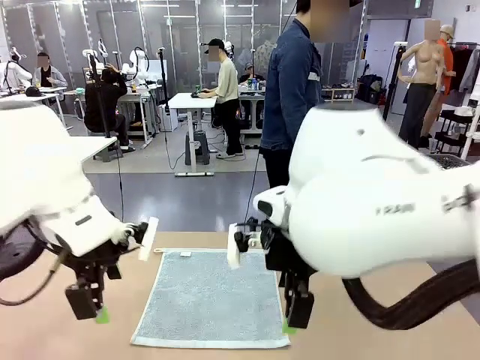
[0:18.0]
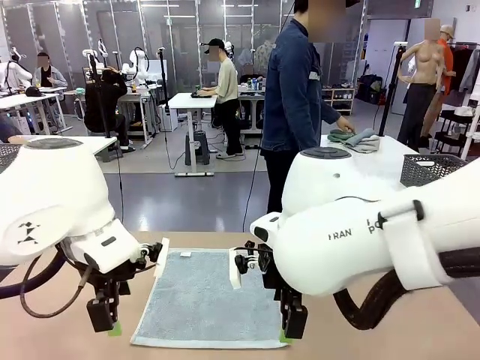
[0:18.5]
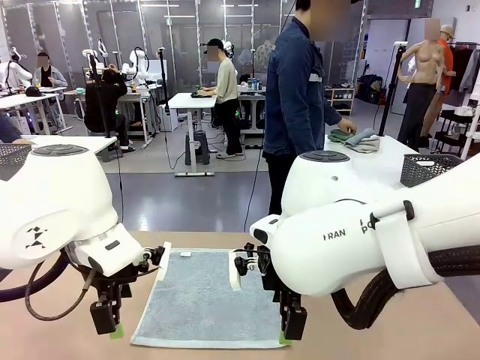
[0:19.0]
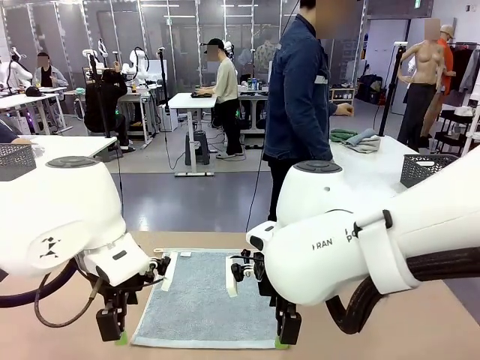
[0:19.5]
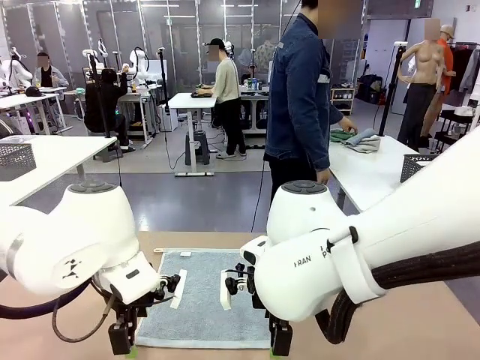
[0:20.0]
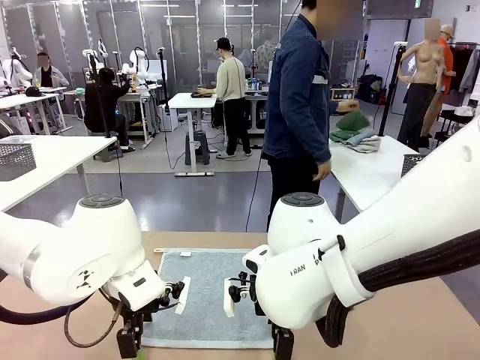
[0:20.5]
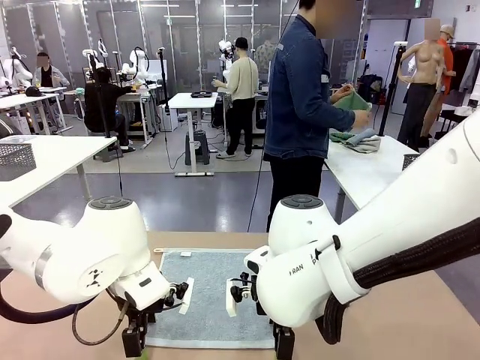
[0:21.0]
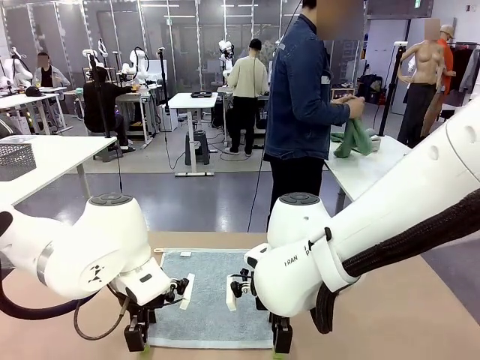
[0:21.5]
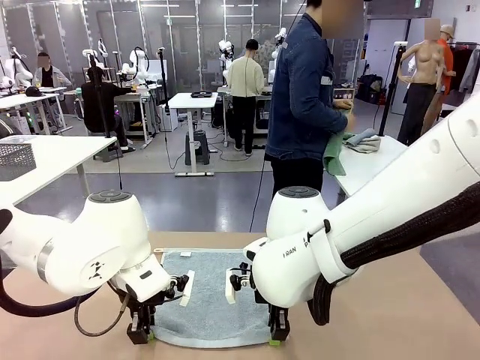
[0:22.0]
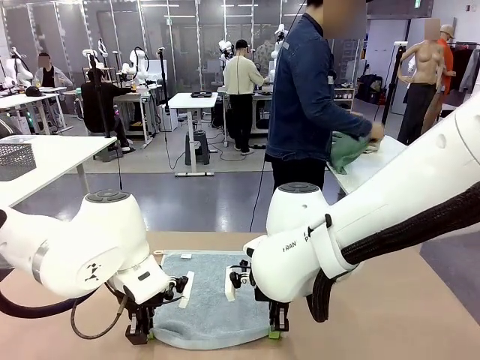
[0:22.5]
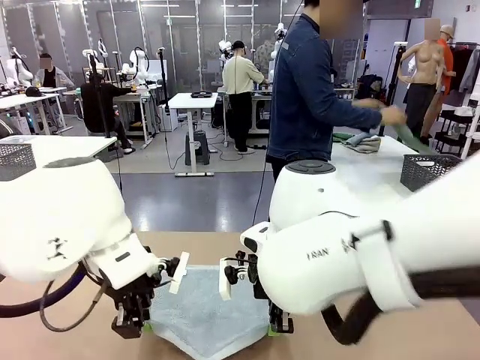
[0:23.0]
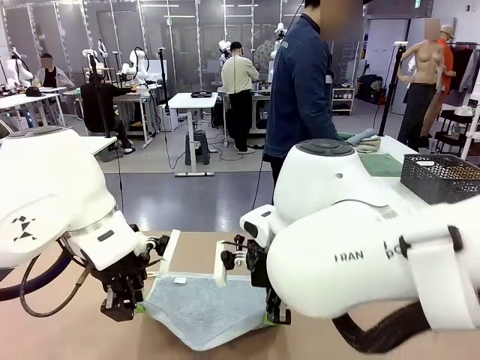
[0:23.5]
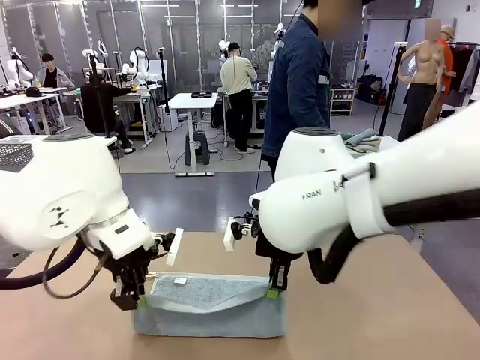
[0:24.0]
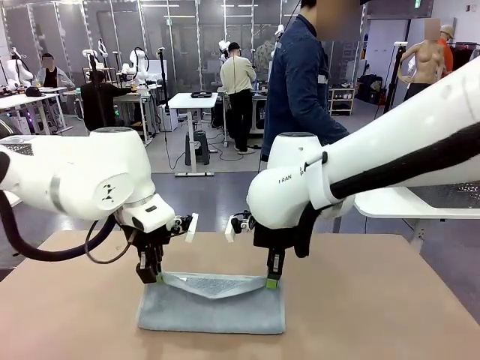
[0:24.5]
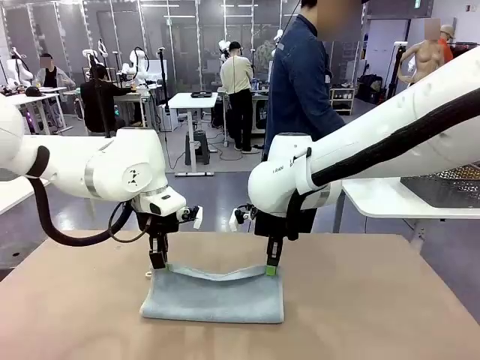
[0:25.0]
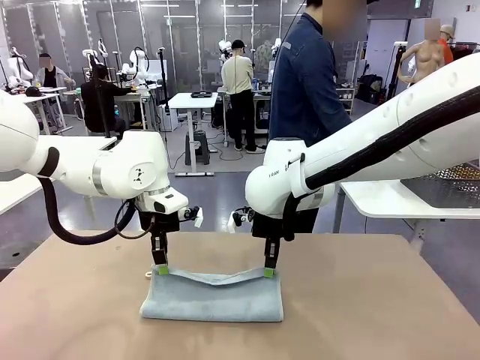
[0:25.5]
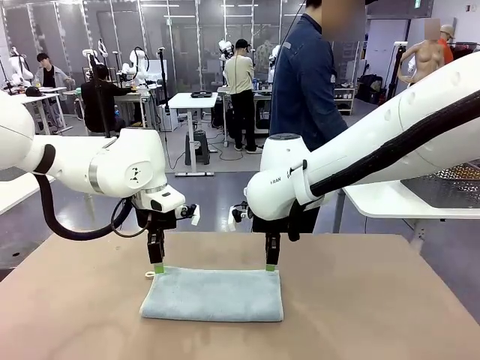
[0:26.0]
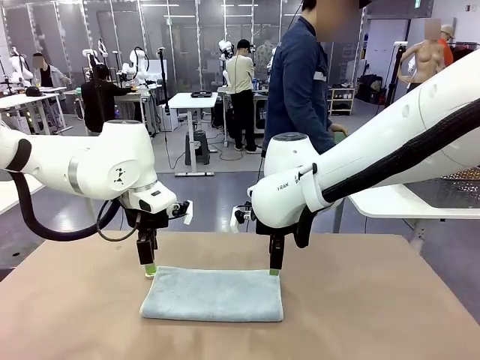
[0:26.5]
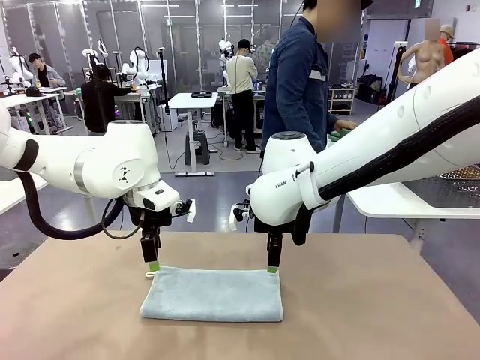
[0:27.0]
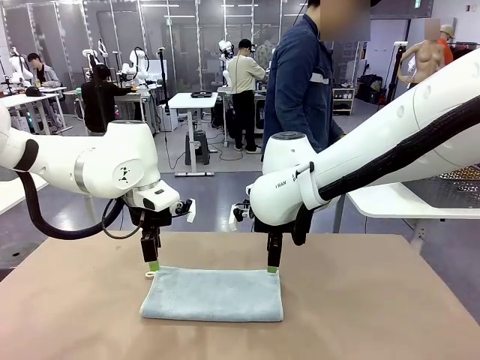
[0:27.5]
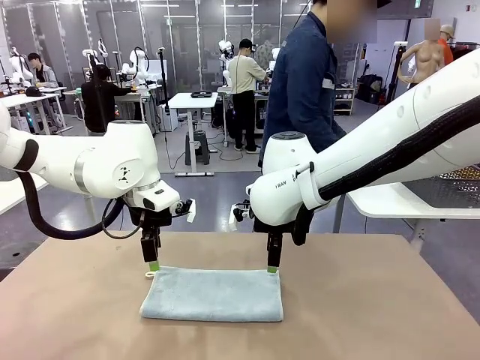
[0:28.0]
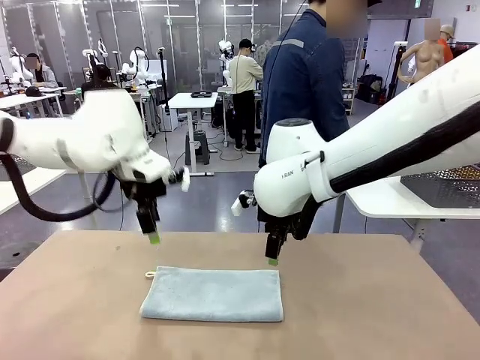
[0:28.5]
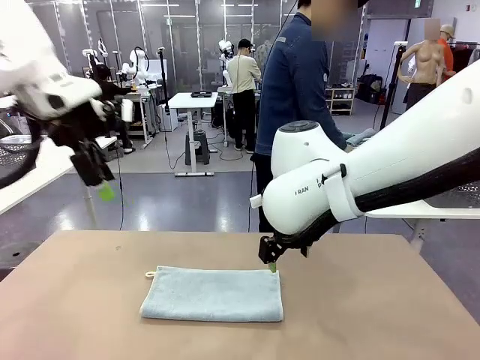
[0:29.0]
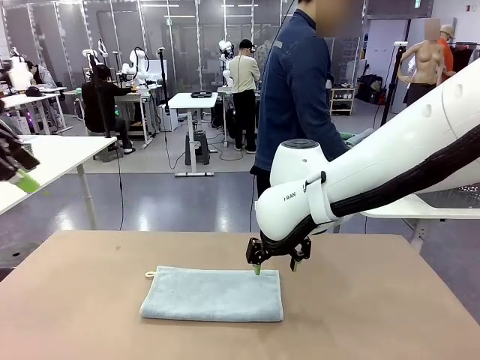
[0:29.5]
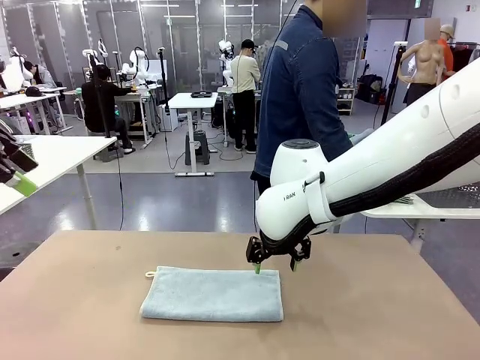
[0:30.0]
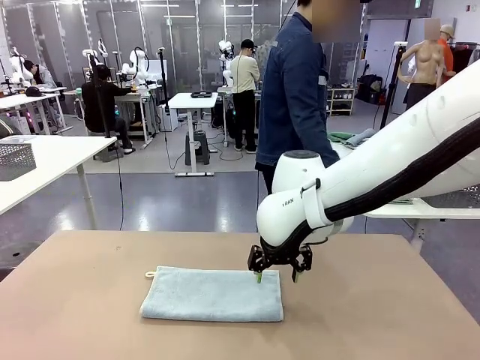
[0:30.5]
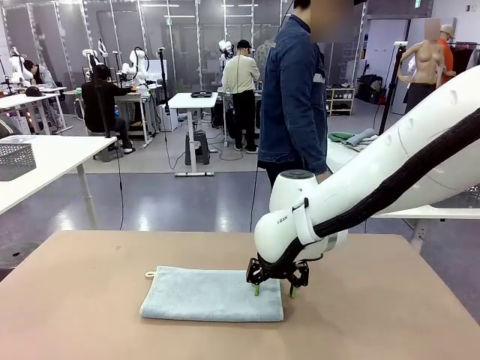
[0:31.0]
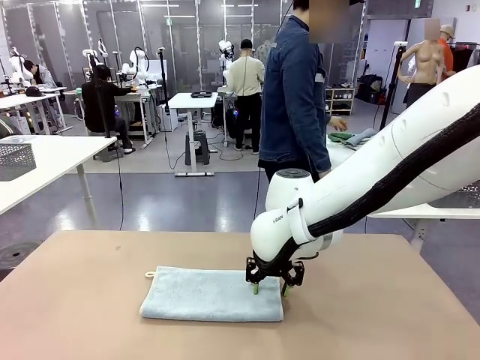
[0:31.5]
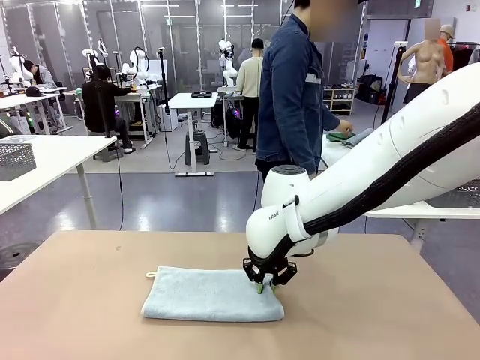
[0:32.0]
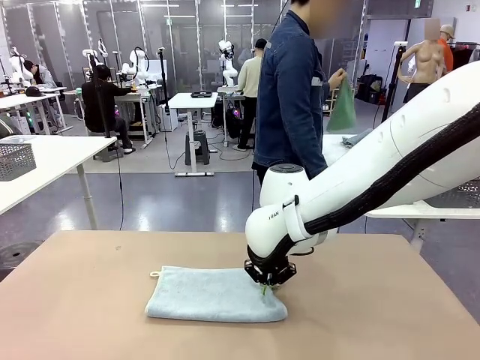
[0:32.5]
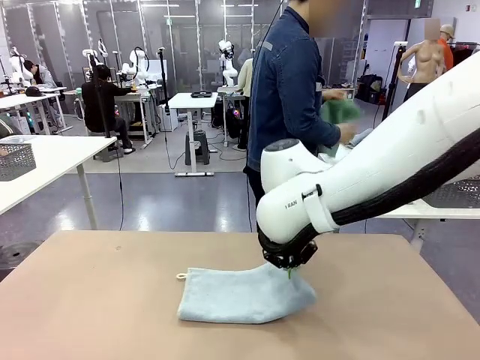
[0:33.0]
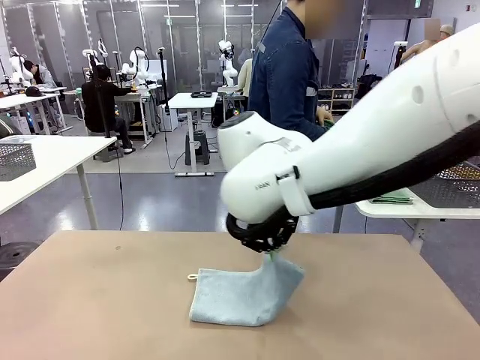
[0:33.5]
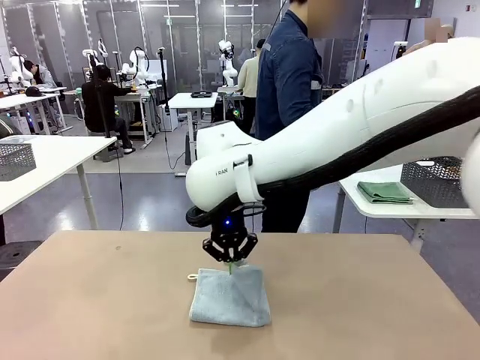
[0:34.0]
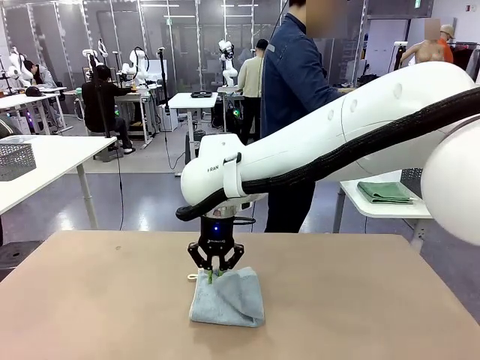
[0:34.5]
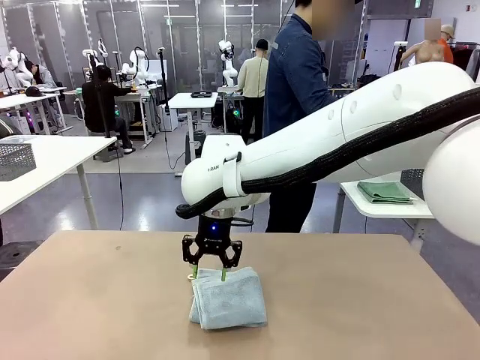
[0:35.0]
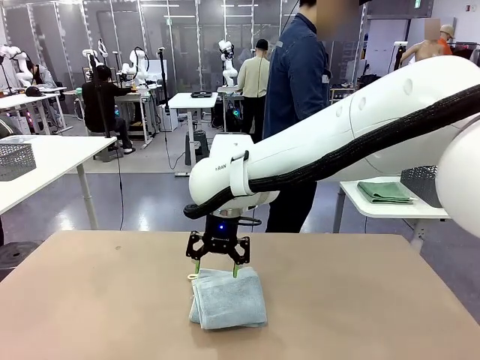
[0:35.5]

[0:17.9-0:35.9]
Task: Fold the towels and place them in the basket.
Robot: When a person lays out a Towel with hook on the table, fold it in half twice.
Person: Pick up one towel from the left side of the human table, fold it in half twice, and place it on the right side of the table.

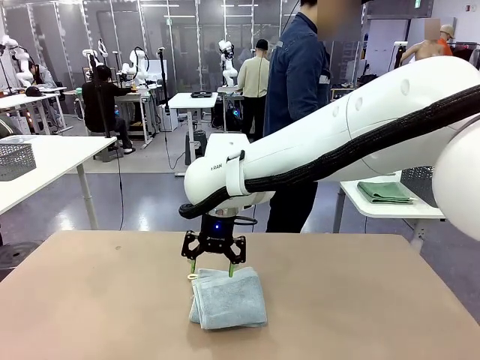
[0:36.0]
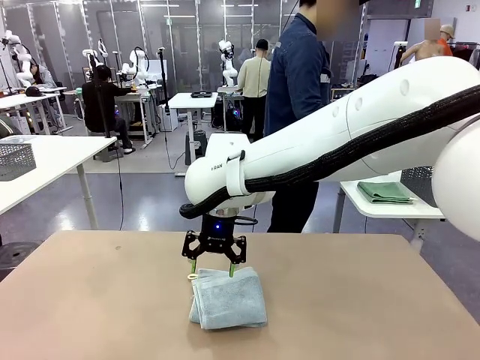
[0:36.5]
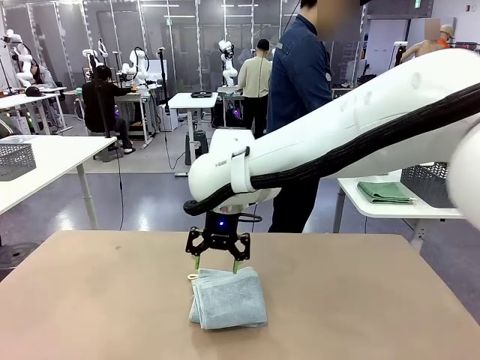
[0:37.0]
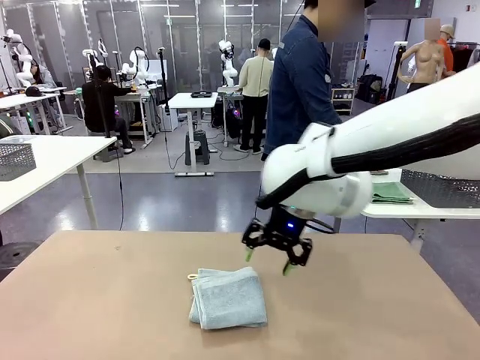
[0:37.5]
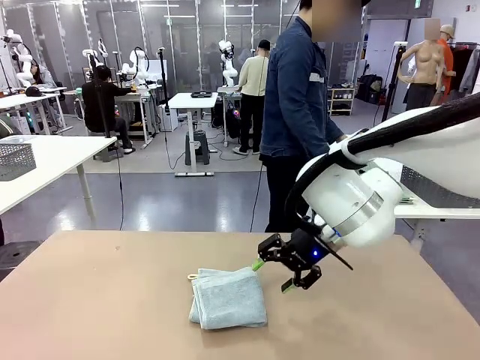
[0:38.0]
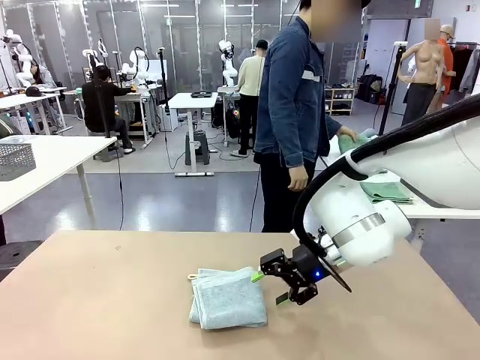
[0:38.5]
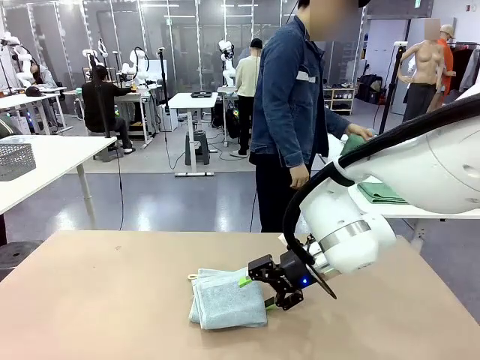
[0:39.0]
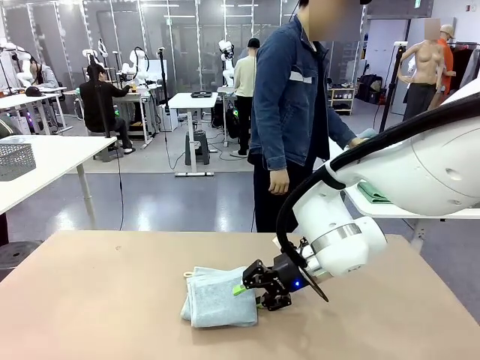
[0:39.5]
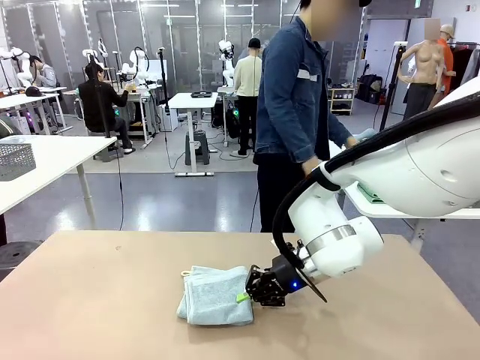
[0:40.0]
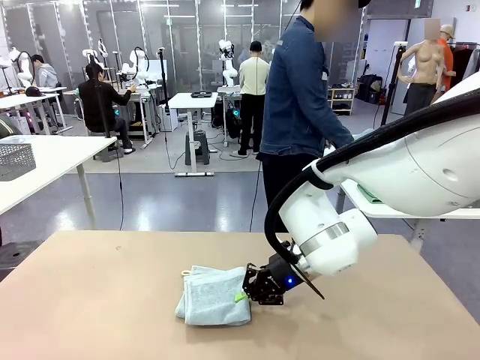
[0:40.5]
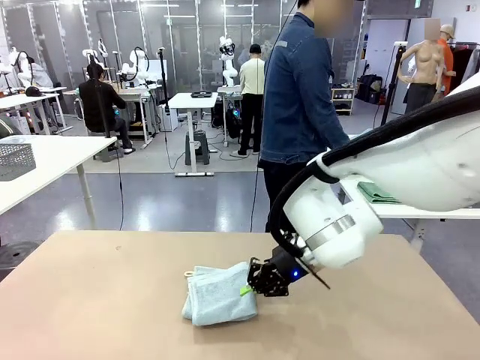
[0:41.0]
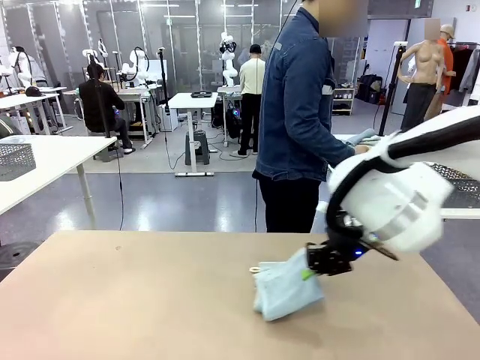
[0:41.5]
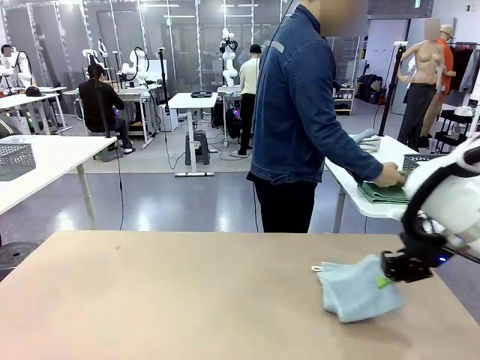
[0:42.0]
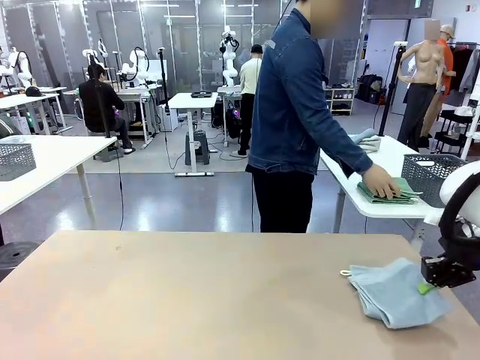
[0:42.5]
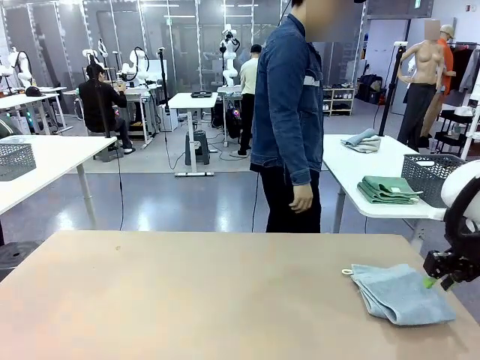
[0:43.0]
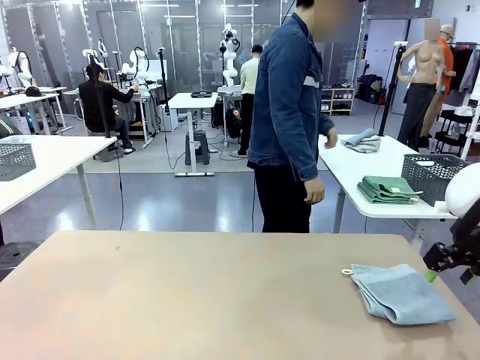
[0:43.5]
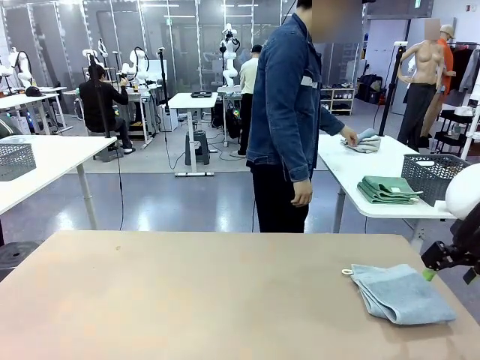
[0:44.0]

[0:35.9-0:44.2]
Robot: Place the folded Towel with hook on the right side of the table.
Person: Pick up one towel from the left side of the human table, fold it in half twice, and stack it on the right side of the table.
